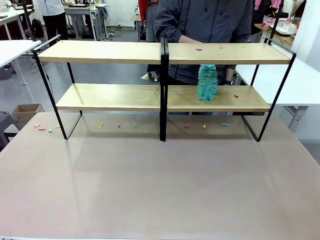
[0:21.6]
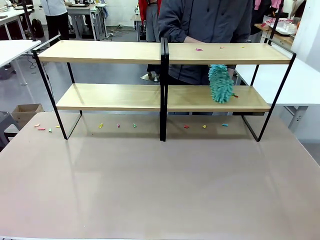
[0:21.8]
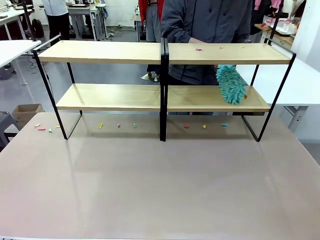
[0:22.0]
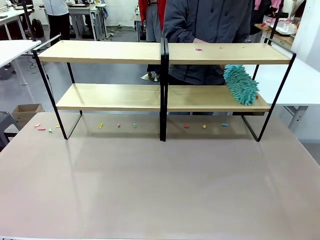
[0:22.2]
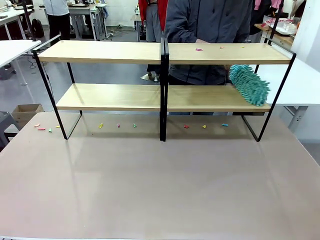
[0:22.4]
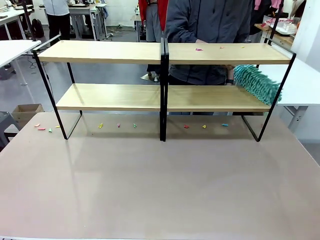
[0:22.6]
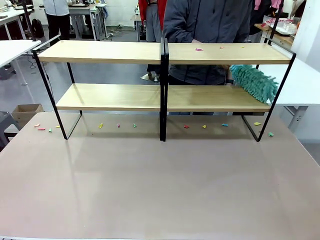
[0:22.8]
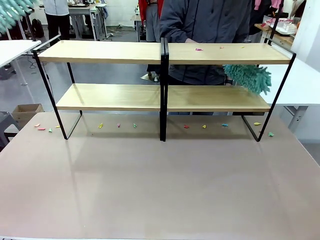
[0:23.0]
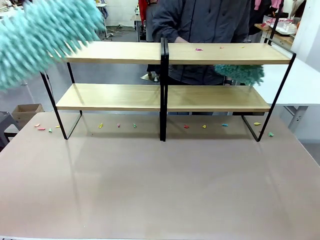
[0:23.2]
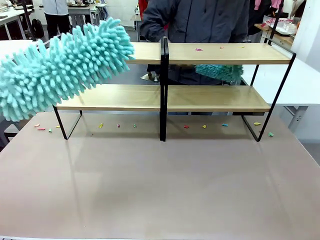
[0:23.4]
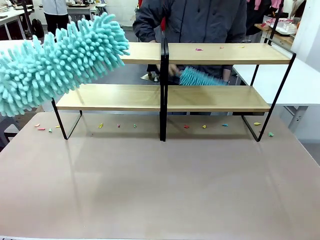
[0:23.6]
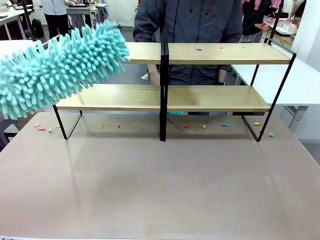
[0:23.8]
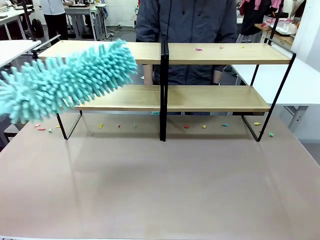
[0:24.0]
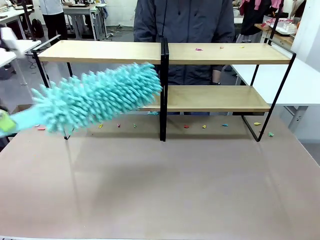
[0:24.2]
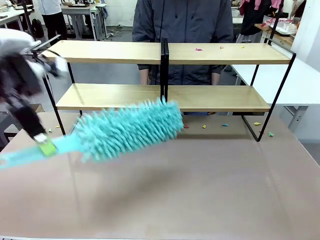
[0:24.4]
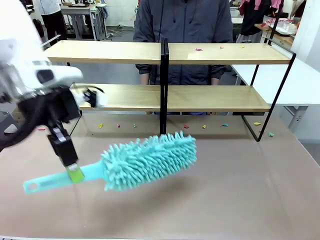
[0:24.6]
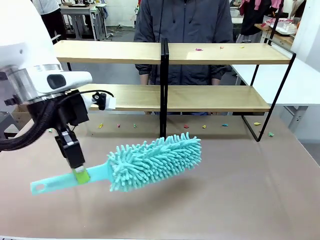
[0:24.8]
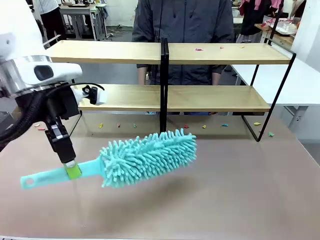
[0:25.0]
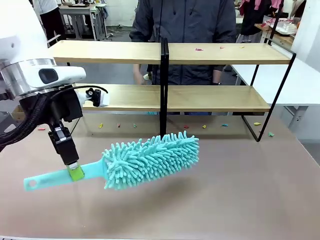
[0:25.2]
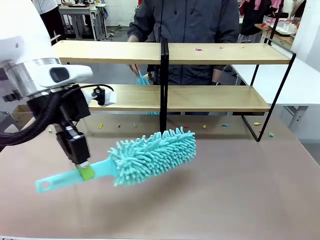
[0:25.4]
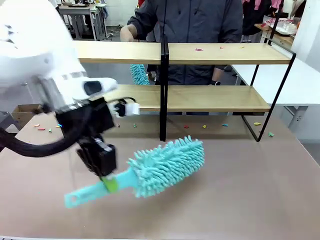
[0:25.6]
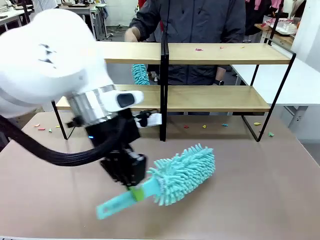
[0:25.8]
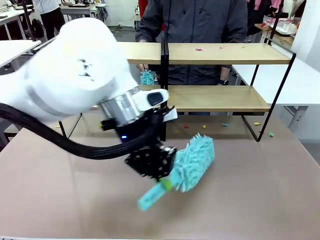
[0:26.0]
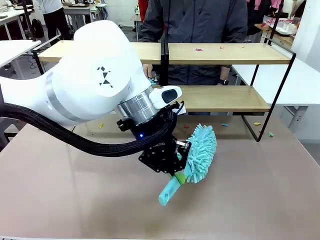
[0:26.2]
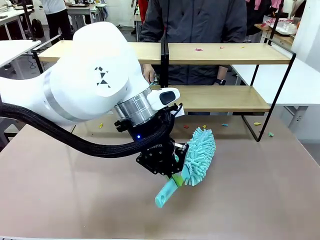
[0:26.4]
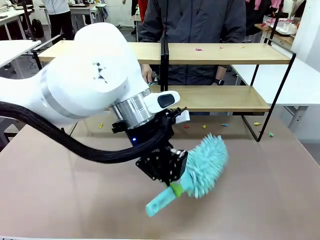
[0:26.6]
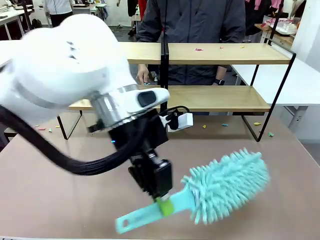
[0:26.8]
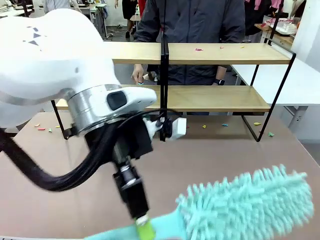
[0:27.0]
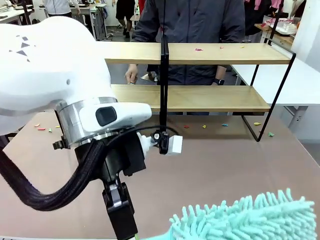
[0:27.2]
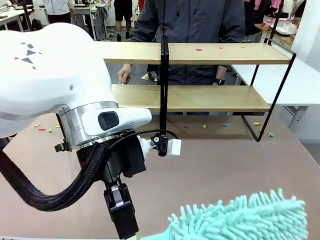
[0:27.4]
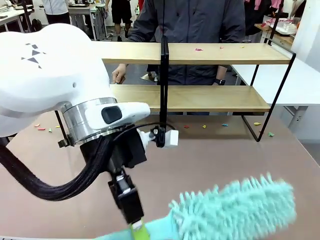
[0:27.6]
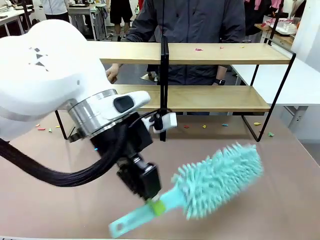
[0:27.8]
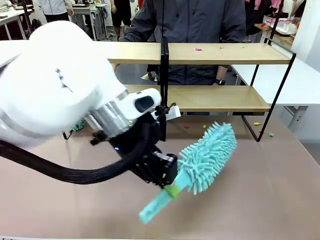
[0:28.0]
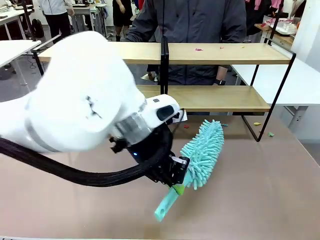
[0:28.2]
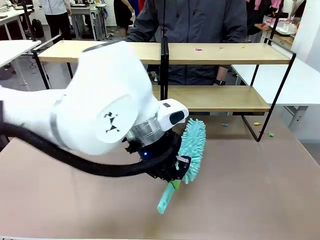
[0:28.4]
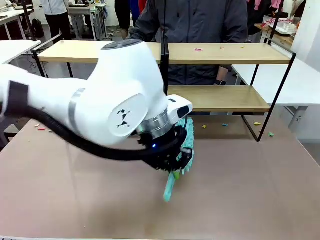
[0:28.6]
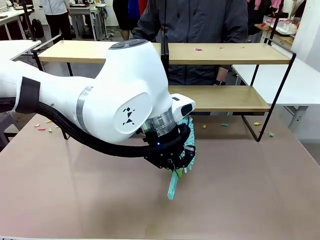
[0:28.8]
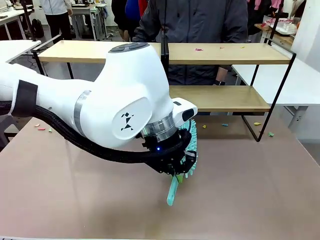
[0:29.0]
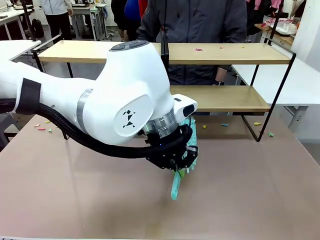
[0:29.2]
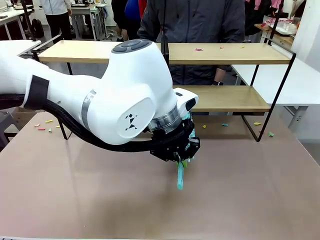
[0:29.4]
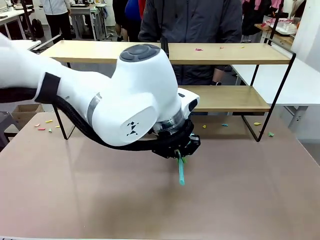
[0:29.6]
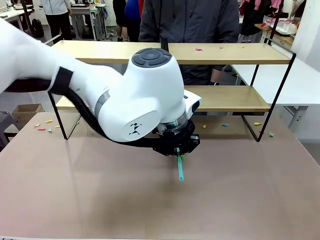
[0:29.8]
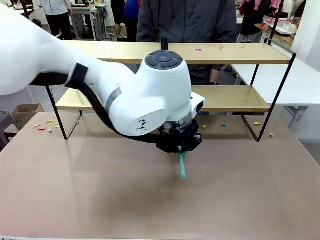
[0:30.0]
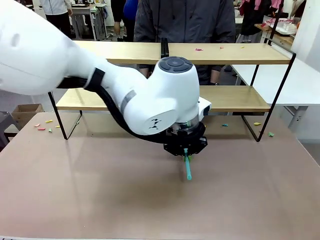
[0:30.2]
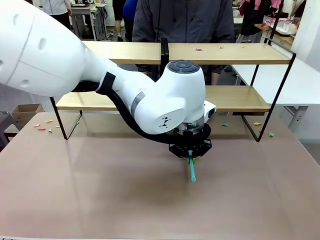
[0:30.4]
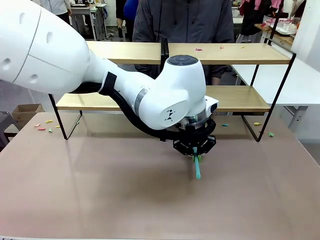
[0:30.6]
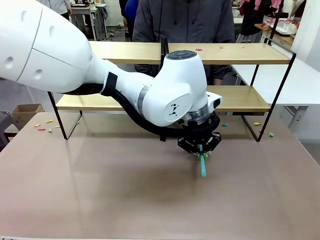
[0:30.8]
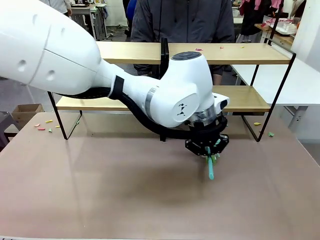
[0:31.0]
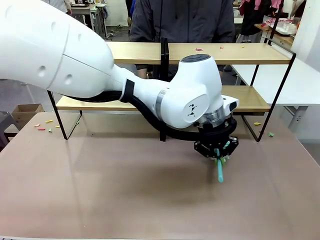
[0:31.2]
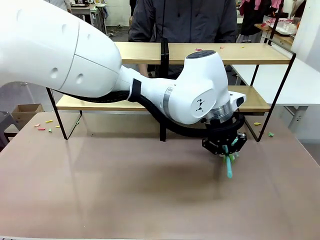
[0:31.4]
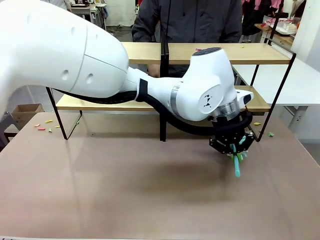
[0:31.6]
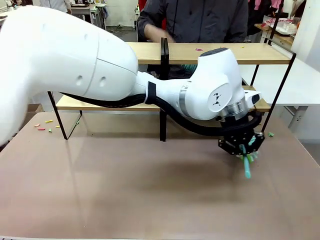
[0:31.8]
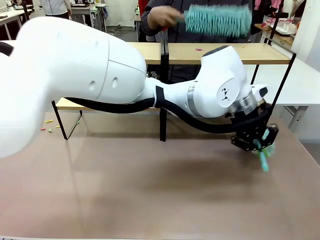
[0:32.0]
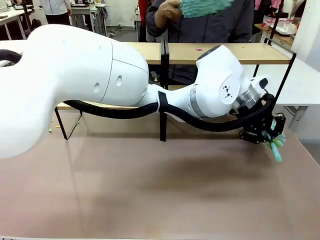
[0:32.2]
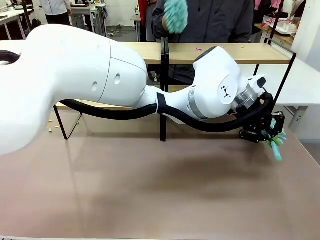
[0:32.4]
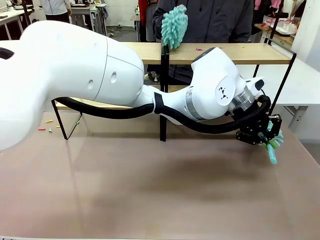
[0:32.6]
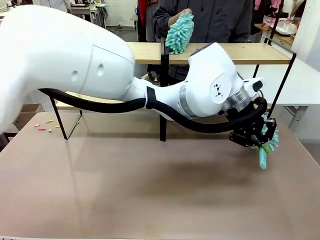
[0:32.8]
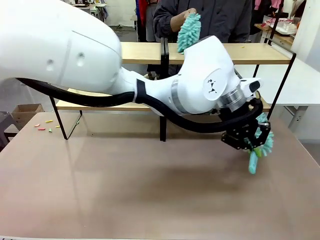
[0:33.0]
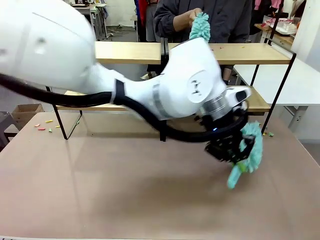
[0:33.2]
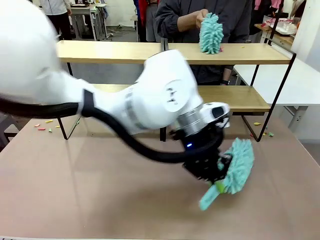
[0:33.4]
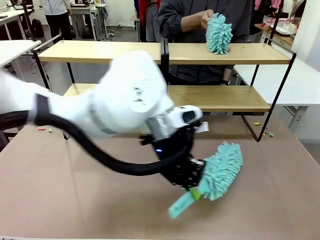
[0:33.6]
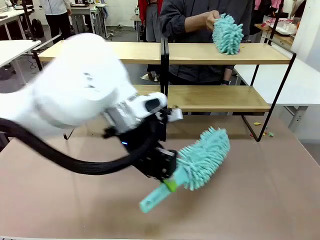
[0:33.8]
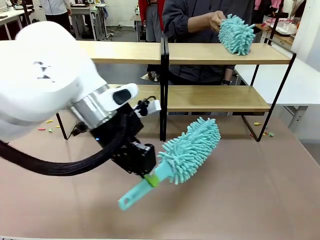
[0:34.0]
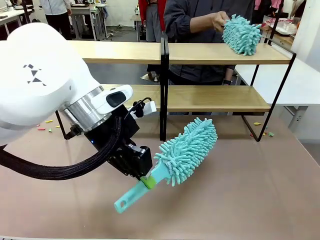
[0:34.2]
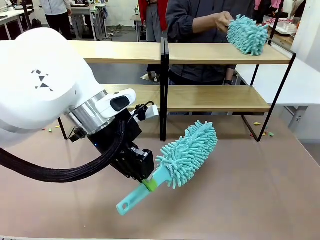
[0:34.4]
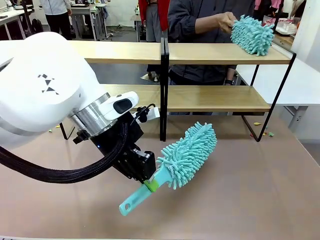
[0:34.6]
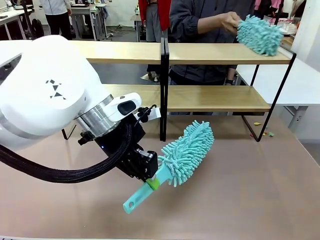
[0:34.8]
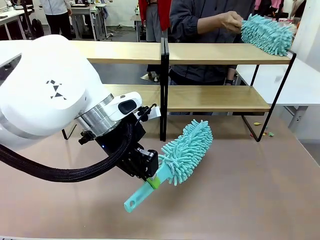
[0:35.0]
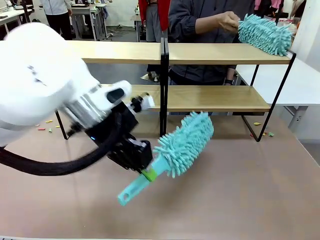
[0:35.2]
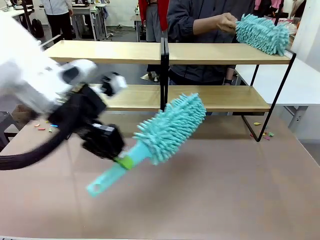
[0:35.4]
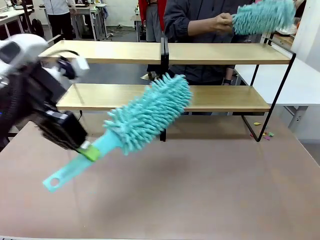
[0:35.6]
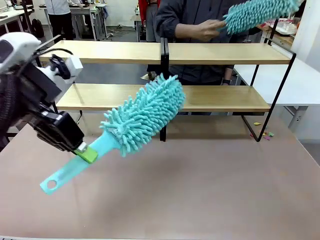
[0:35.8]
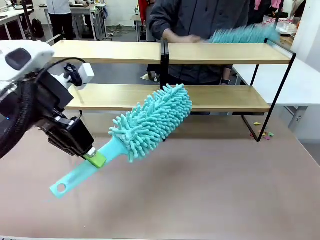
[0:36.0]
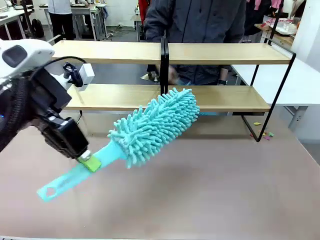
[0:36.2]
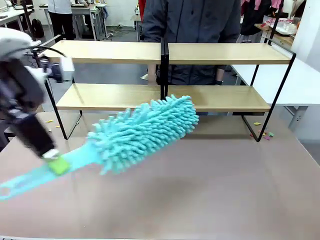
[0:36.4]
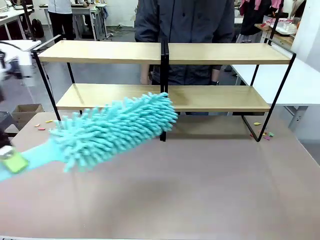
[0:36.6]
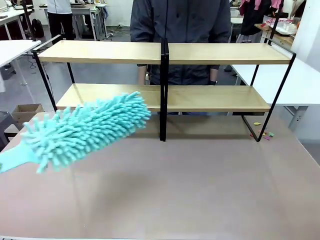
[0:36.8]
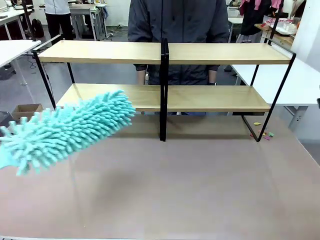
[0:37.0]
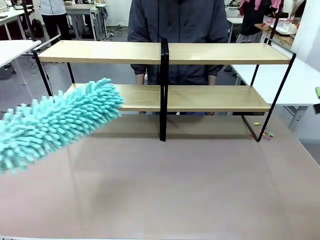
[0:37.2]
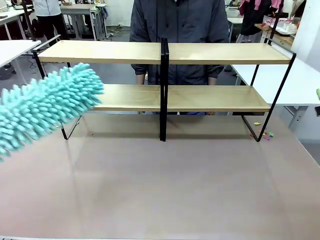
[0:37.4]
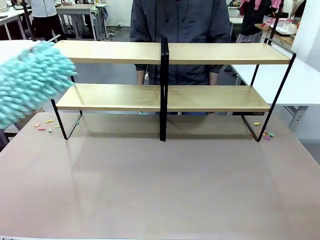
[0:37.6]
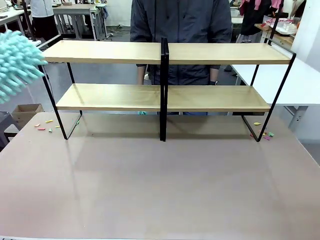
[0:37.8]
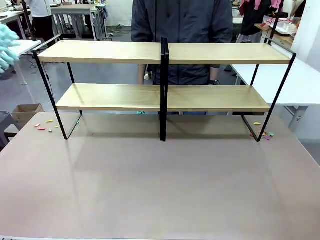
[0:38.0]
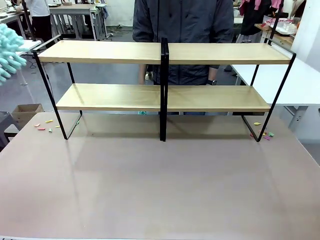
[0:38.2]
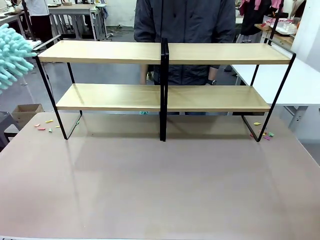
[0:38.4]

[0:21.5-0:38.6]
Task: Clean the shelves.
Robot: Clean another randomly selected level of the Shelf with the Duster.
Person: Clean a randomly selected level of the Shelf with the Duster.

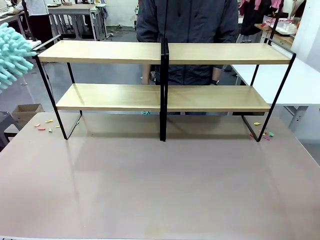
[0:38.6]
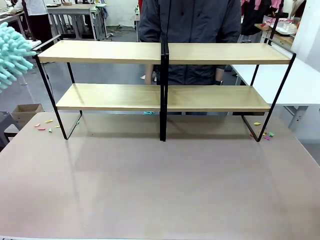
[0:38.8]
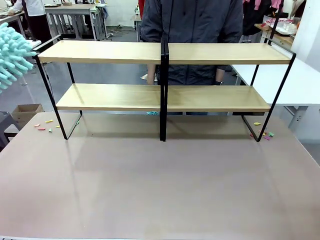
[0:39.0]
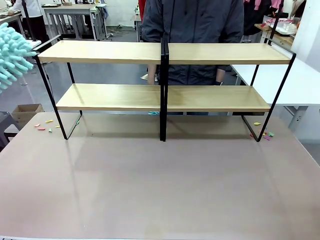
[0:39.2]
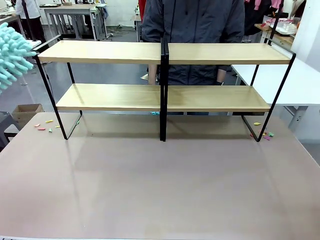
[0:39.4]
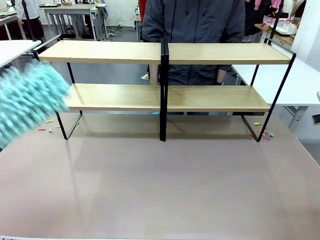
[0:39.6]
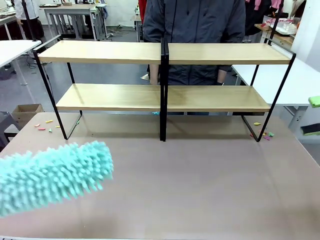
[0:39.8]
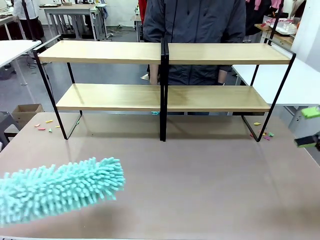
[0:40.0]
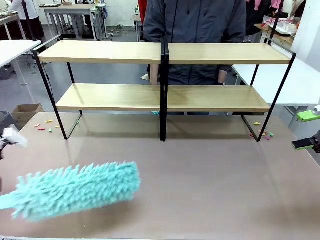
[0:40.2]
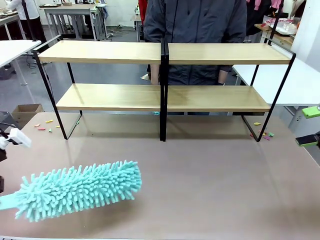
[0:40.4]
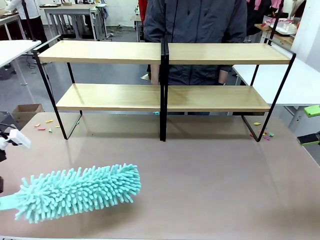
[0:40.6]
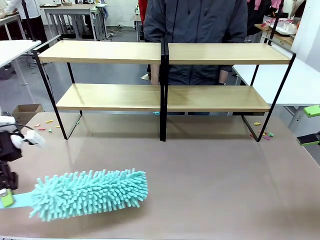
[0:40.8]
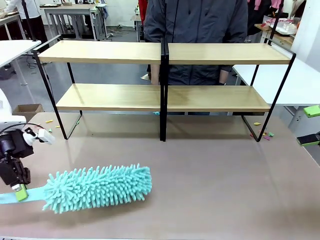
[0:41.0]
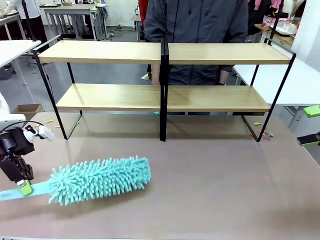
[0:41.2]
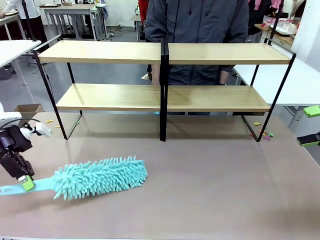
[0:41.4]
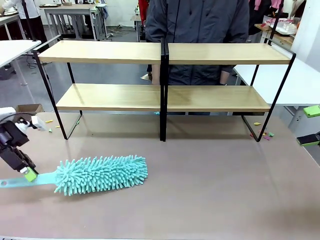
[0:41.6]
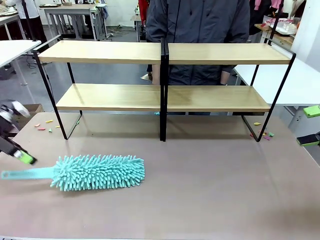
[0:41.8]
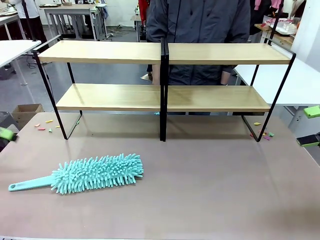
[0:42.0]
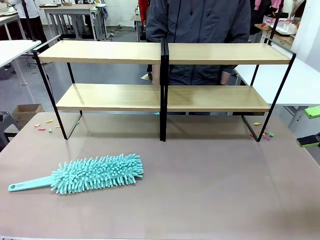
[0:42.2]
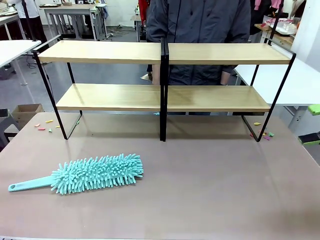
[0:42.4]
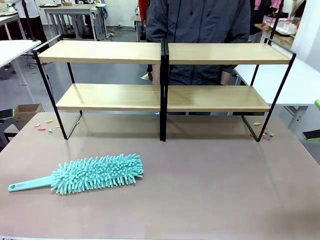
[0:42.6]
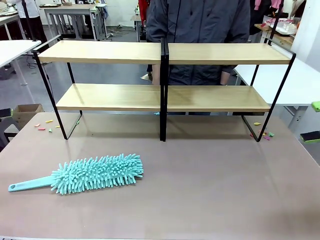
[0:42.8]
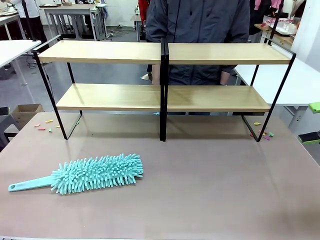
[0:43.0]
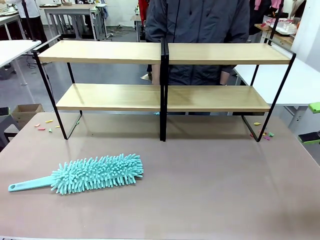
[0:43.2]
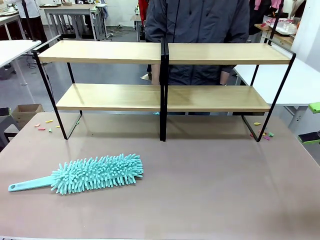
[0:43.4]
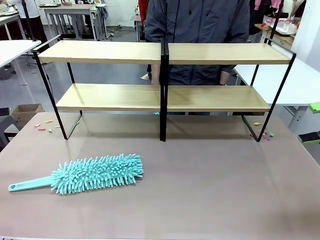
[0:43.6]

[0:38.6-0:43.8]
Robot: Place the Duster on the table.
